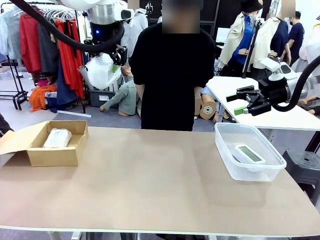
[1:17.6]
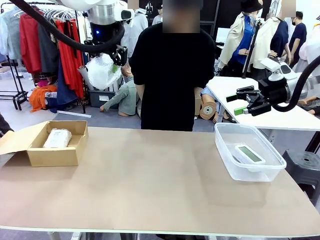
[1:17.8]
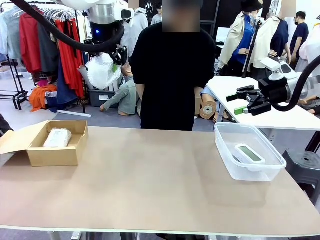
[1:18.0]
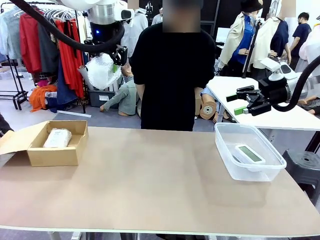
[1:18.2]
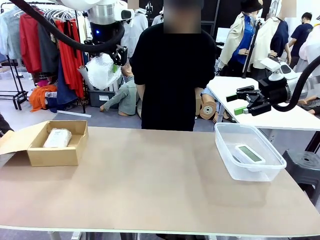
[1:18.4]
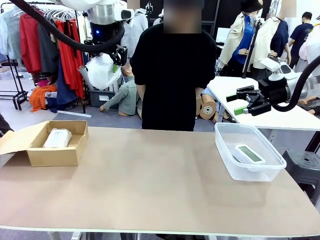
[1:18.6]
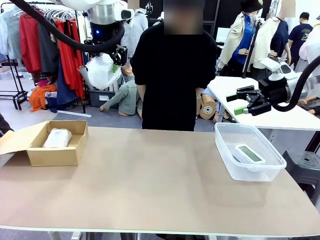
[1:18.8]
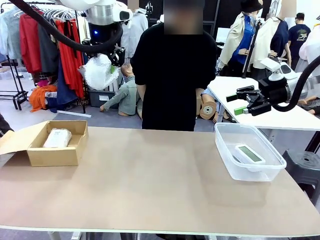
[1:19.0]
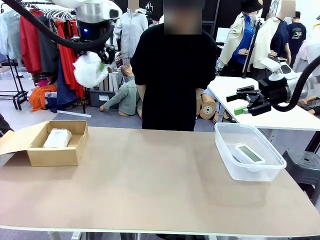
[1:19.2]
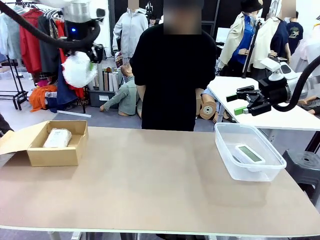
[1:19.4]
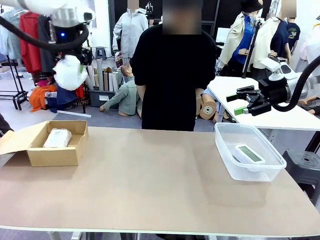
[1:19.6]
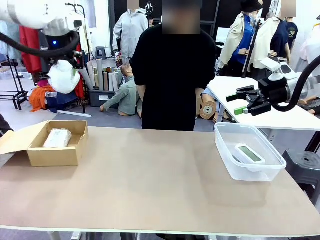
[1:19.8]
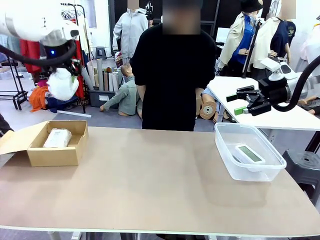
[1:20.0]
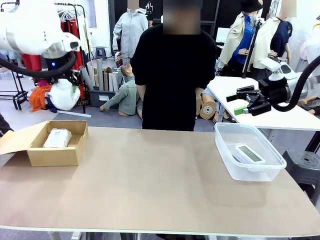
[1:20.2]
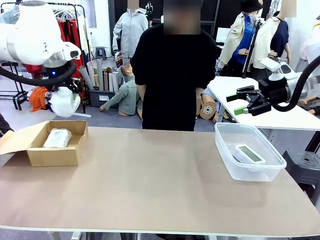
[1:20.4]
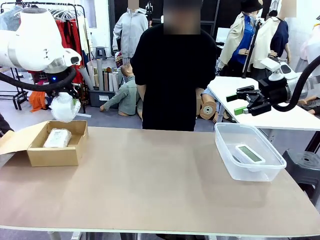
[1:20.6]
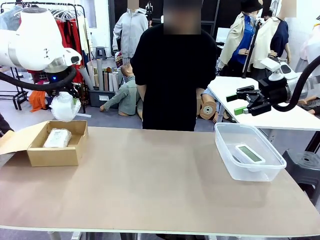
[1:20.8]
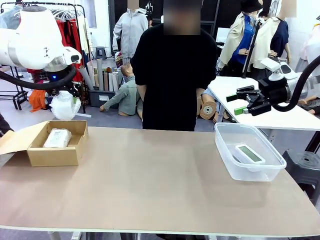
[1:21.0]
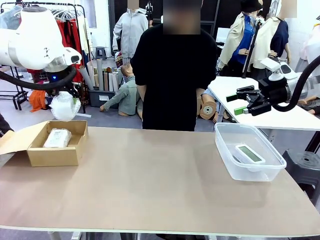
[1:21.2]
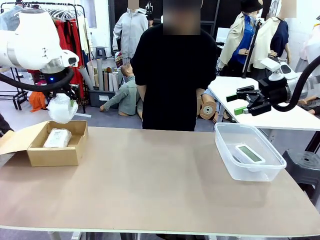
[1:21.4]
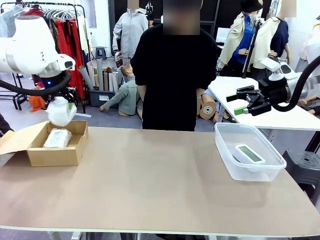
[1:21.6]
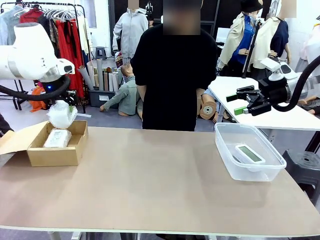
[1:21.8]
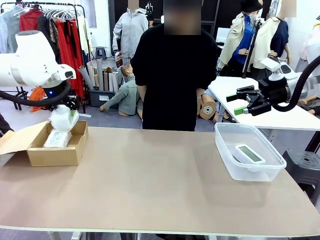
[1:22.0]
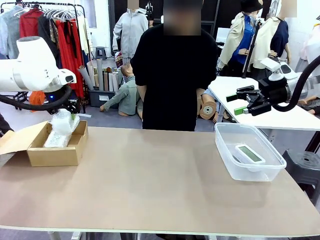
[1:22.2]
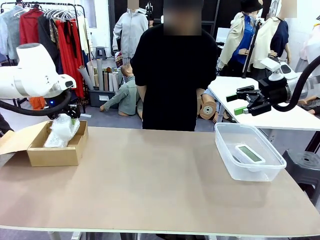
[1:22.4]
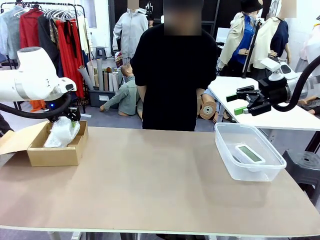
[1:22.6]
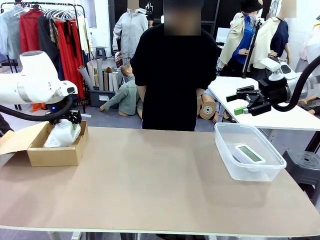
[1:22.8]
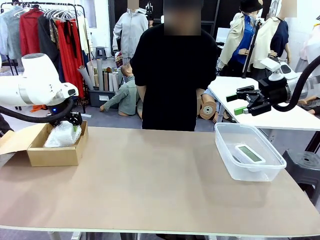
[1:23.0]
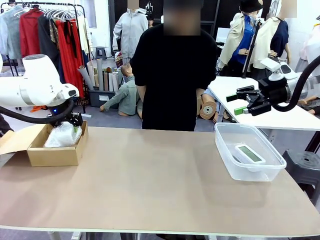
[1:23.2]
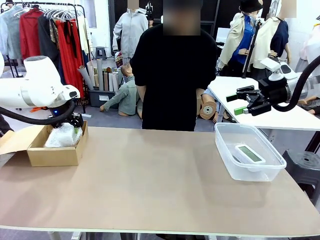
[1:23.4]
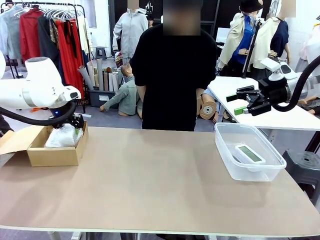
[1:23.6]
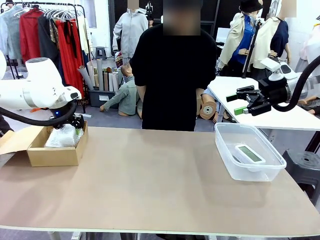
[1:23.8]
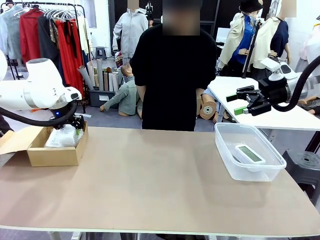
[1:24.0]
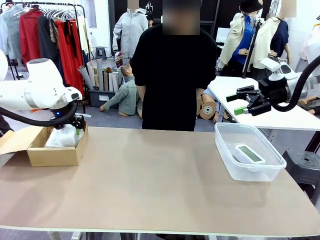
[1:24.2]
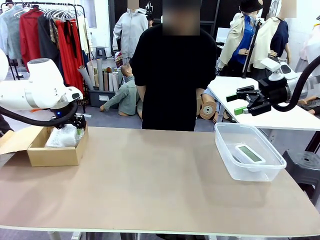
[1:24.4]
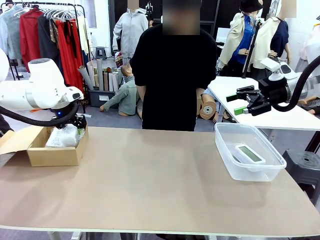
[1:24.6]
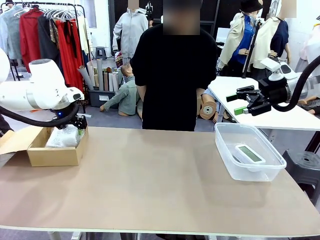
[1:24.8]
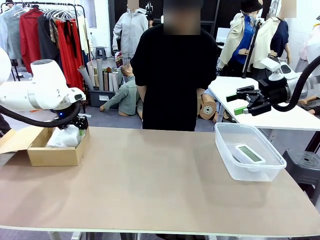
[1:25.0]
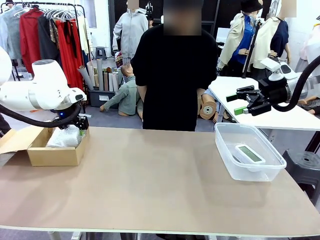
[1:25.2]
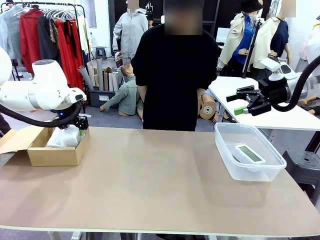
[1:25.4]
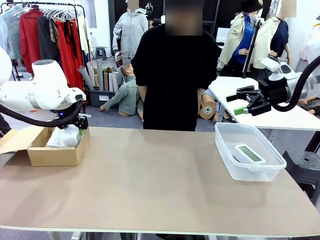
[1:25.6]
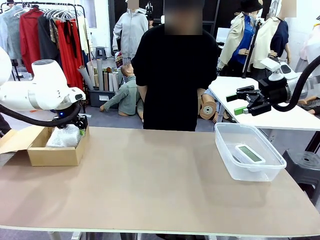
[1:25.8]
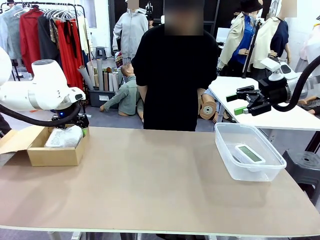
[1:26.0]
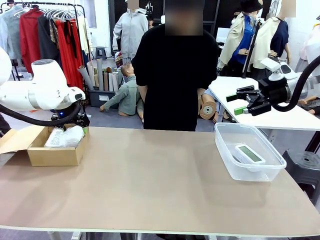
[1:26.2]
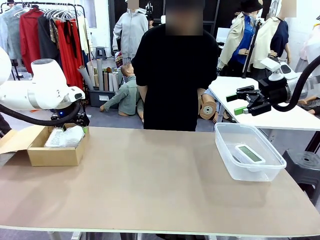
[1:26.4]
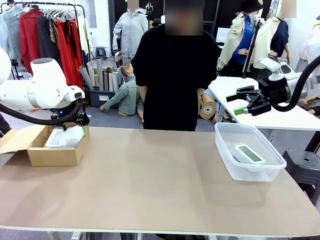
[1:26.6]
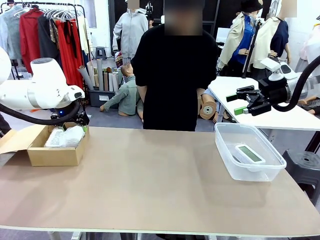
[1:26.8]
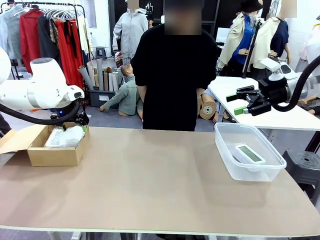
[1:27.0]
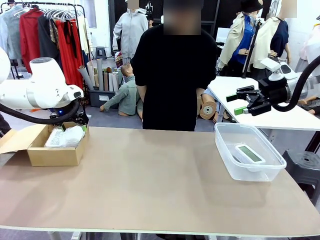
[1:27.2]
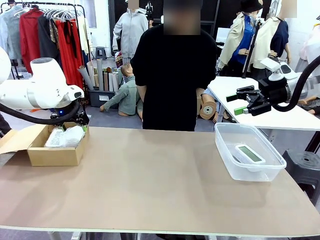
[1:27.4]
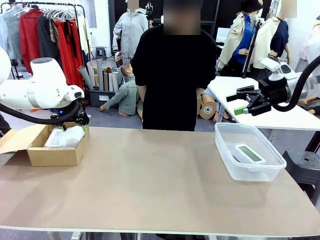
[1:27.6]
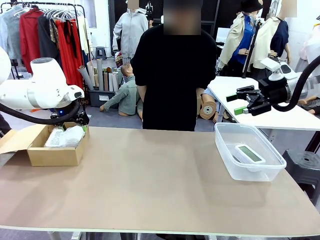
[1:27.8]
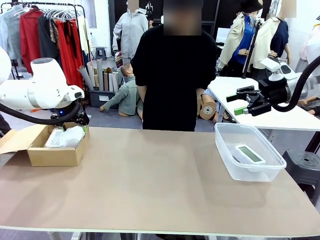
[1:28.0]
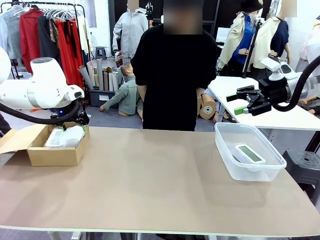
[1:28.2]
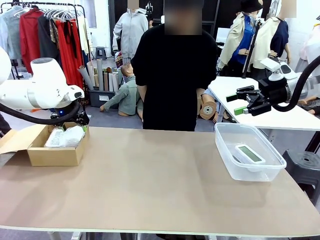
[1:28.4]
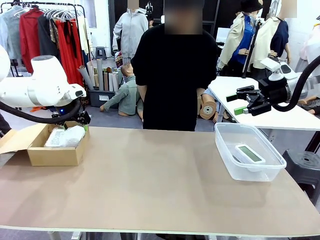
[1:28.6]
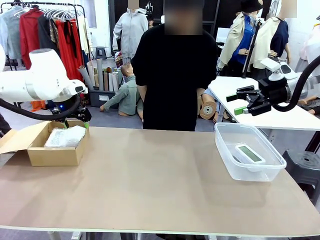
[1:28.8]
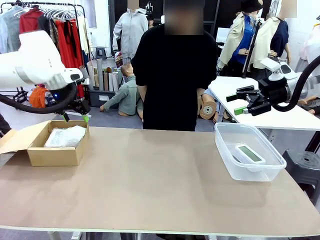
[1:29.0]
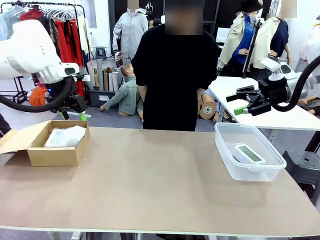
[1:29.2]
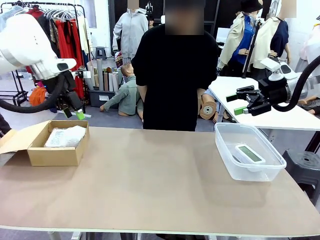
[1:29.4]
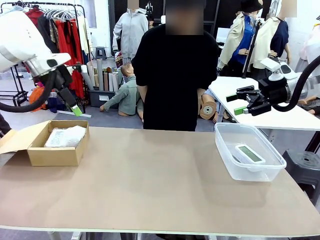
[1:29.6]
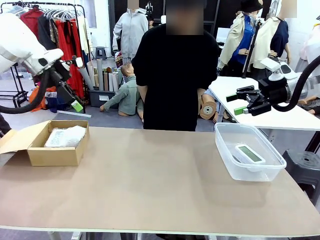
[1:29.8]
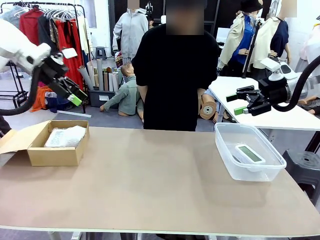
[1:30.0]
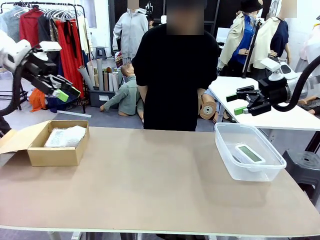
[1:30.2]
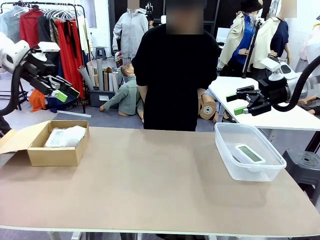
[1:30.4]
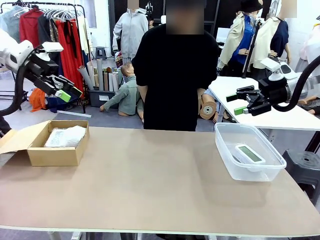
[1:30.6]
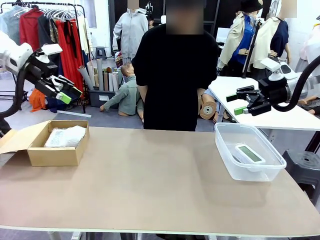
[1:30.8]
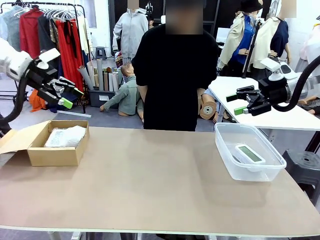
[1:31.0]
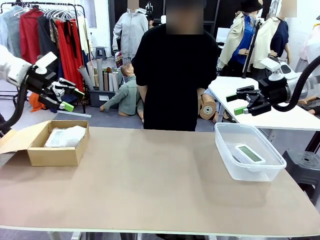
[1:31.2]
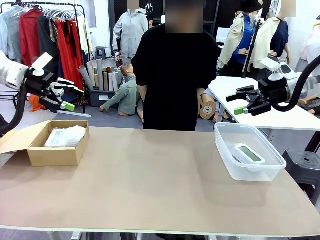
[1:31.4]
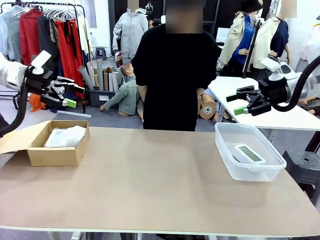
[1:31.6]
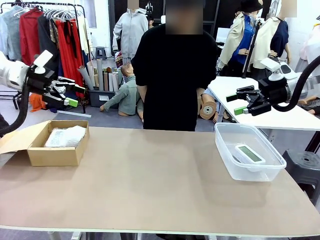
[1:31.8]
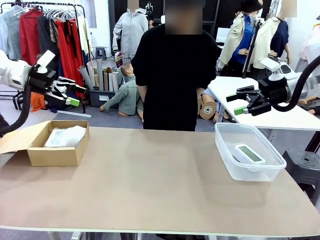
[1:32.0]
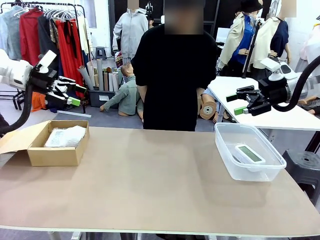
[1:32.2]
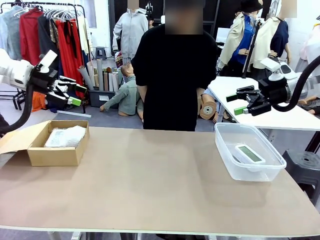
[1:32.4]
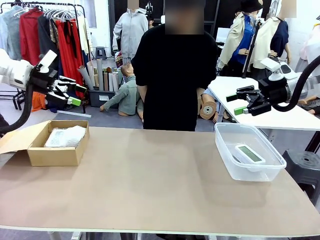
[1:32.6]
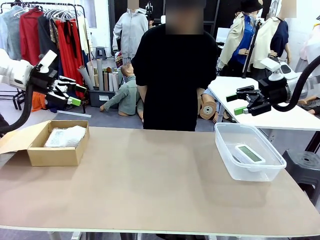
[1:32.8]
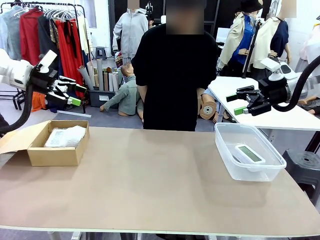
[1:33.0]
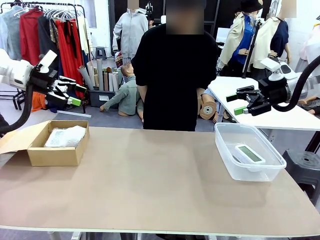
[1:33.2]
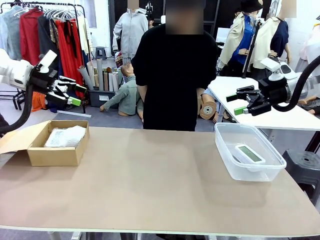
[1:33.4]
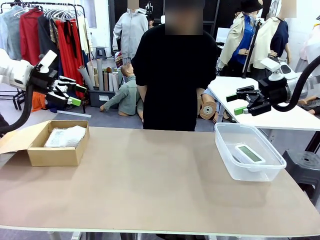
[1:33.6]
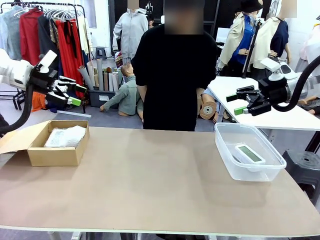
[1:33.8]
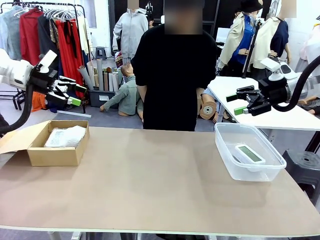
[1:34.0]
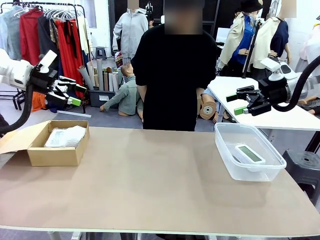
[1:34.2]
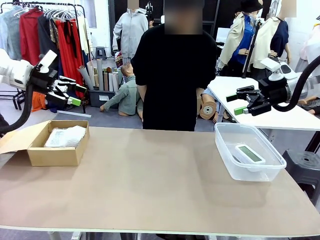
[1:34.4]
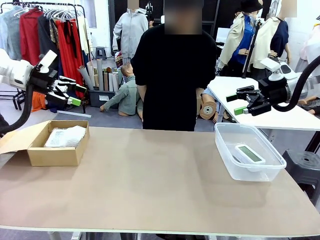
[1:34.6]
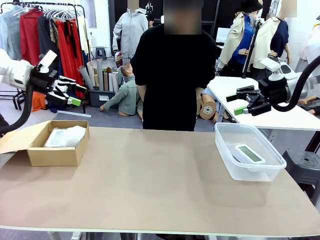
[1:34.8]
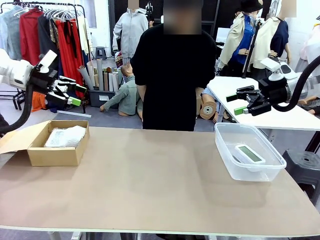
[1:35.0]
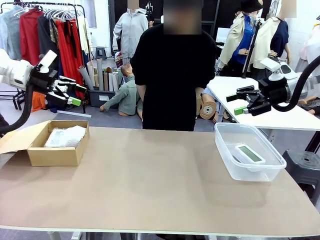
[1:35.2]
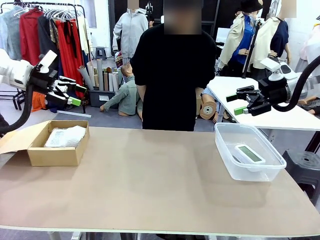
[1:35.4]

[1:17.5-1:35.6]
Task: Separate and place wrapped and unwrapped clocks.
Robot: If the picked Digital clock is wrapped, place it in the Package Box ; if not, place it in the Organizing box.
